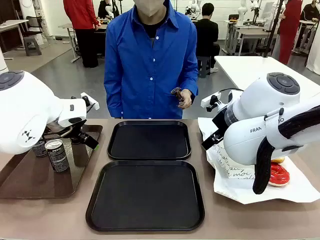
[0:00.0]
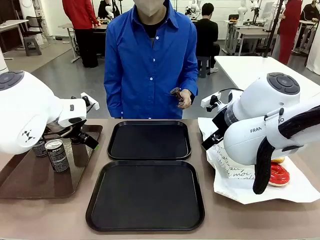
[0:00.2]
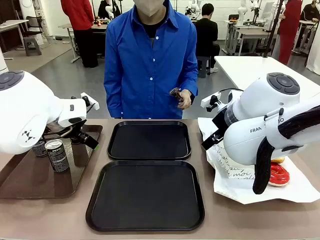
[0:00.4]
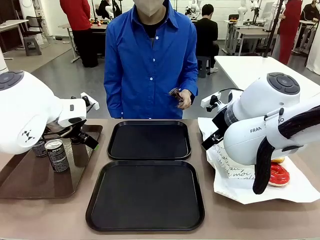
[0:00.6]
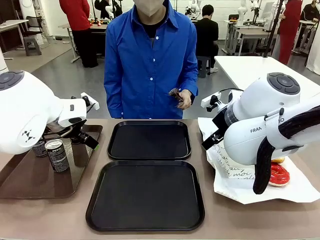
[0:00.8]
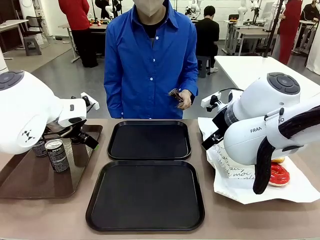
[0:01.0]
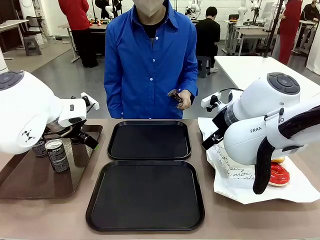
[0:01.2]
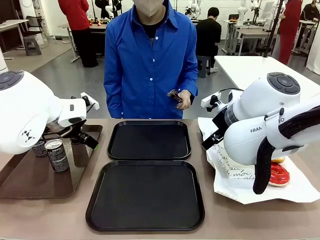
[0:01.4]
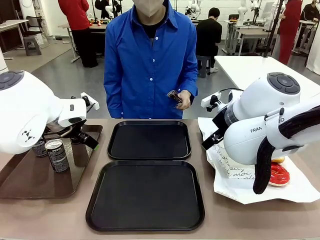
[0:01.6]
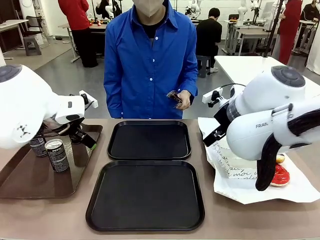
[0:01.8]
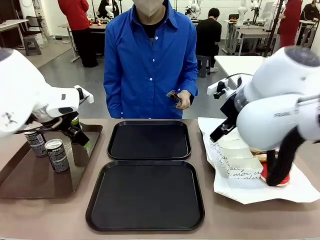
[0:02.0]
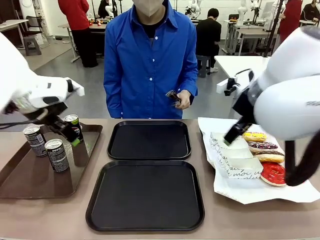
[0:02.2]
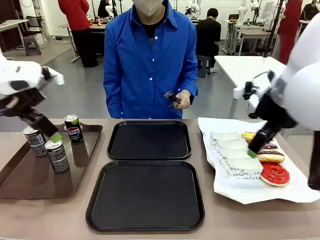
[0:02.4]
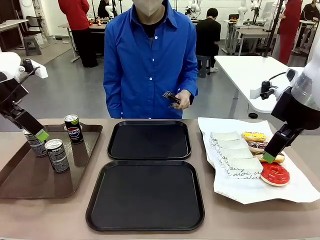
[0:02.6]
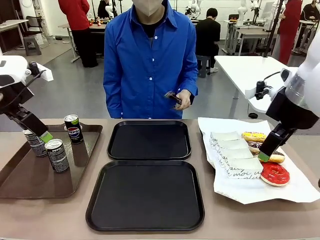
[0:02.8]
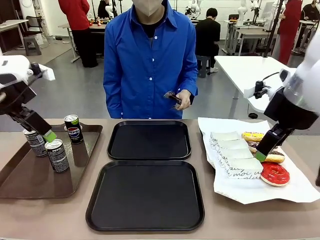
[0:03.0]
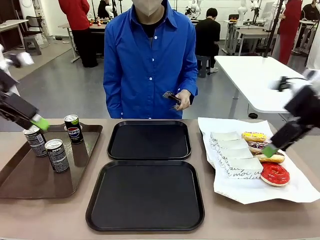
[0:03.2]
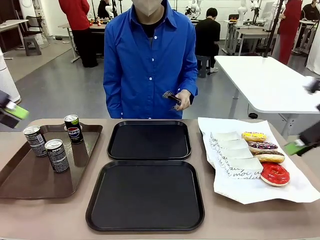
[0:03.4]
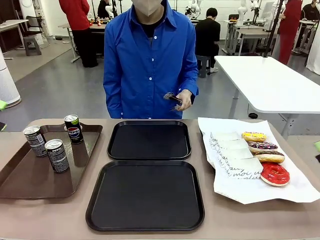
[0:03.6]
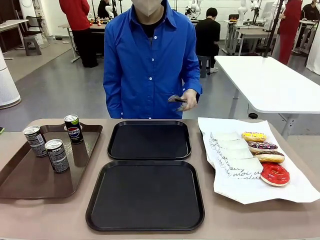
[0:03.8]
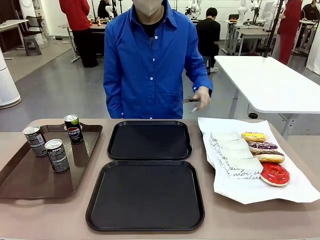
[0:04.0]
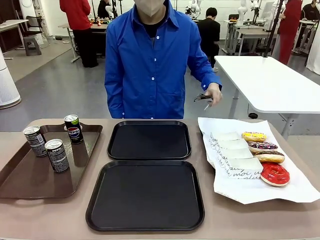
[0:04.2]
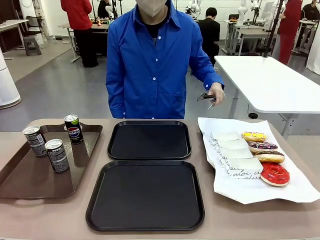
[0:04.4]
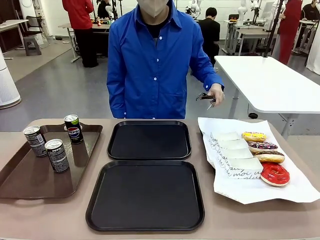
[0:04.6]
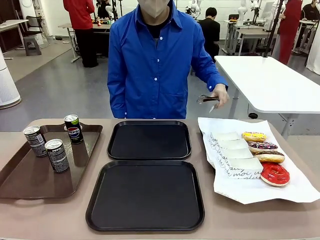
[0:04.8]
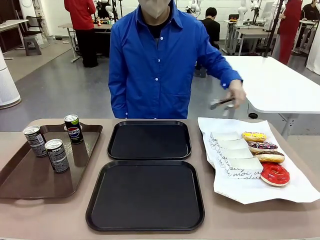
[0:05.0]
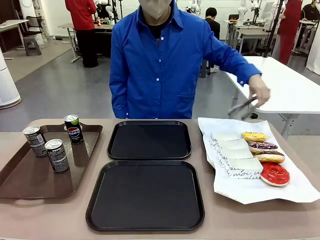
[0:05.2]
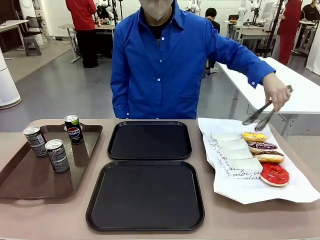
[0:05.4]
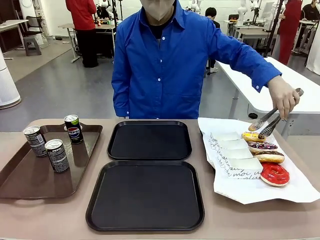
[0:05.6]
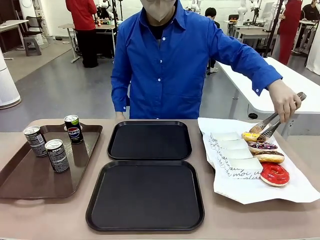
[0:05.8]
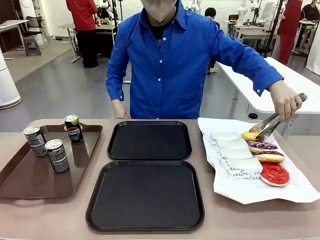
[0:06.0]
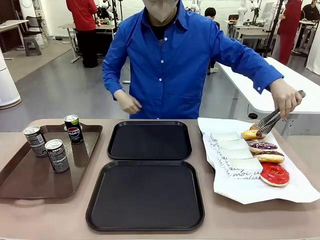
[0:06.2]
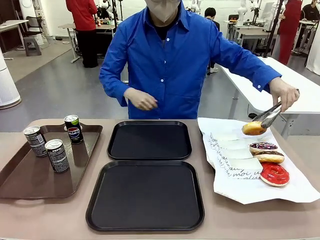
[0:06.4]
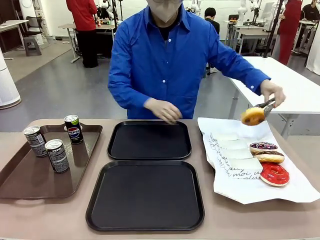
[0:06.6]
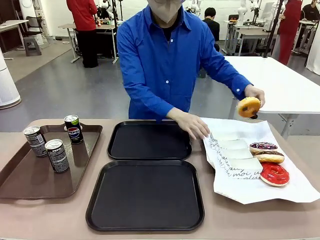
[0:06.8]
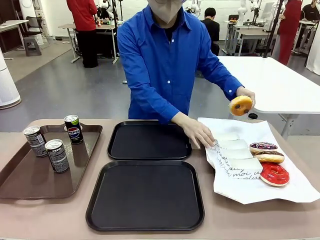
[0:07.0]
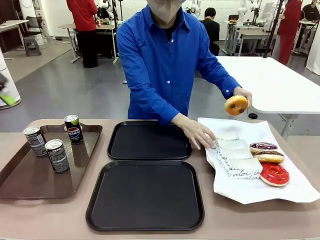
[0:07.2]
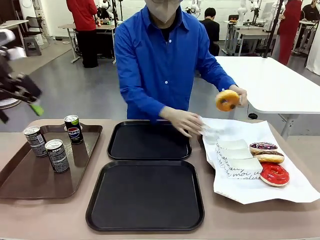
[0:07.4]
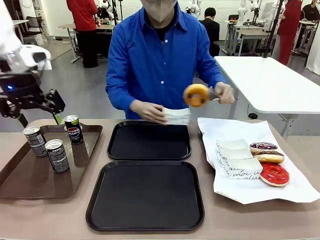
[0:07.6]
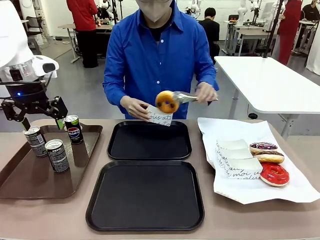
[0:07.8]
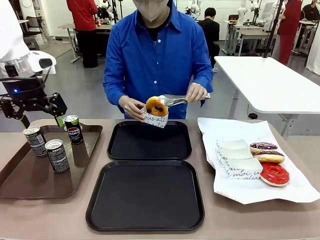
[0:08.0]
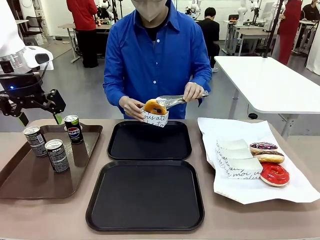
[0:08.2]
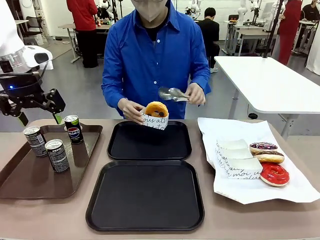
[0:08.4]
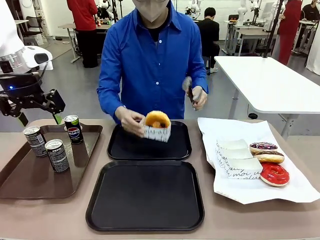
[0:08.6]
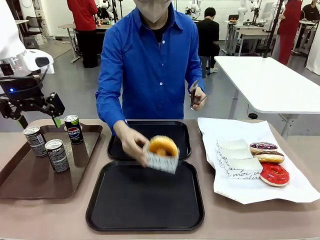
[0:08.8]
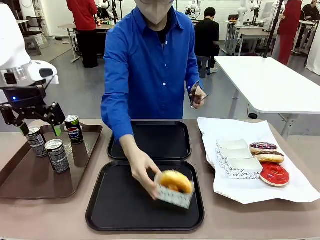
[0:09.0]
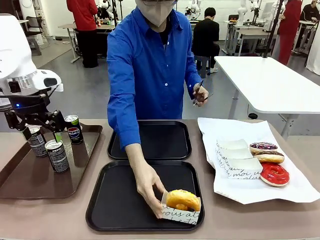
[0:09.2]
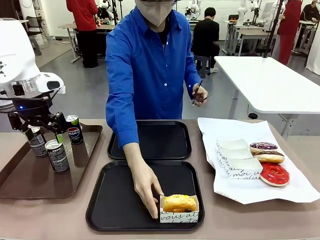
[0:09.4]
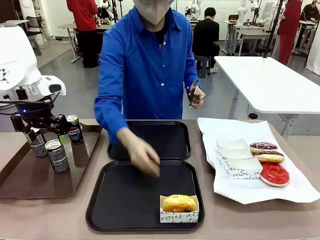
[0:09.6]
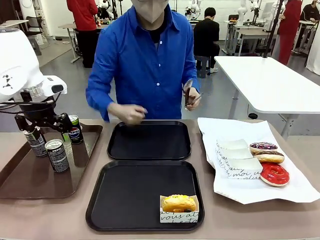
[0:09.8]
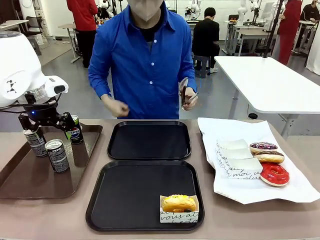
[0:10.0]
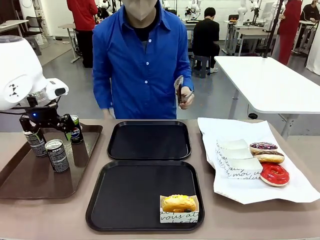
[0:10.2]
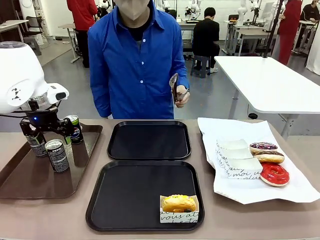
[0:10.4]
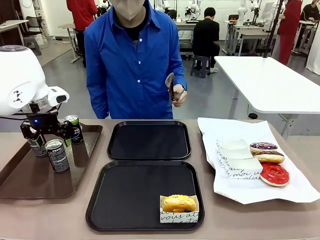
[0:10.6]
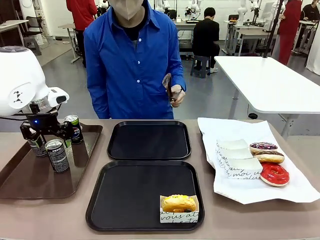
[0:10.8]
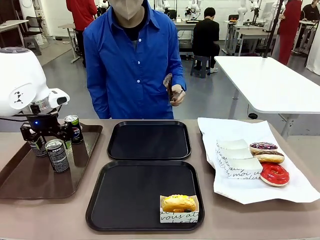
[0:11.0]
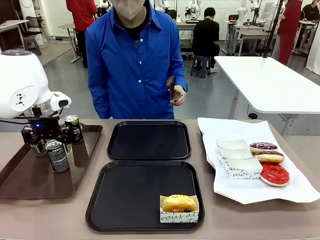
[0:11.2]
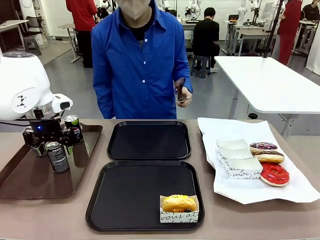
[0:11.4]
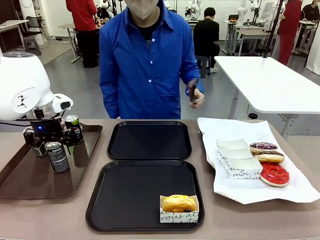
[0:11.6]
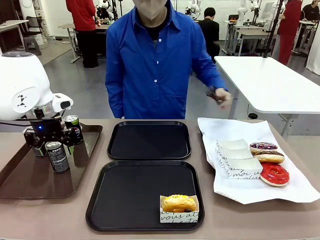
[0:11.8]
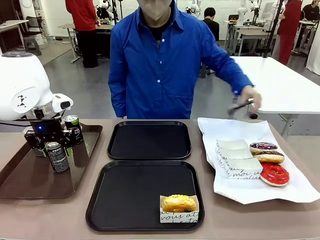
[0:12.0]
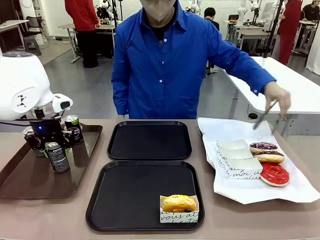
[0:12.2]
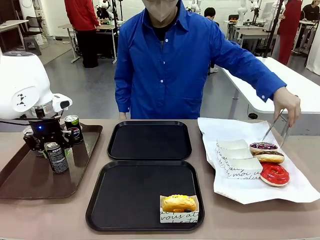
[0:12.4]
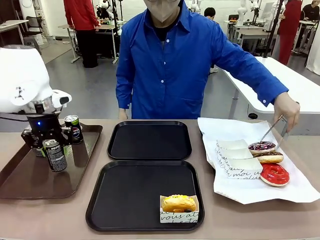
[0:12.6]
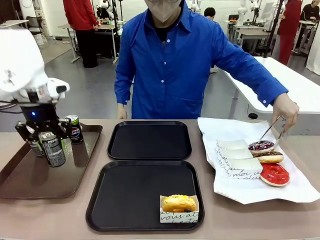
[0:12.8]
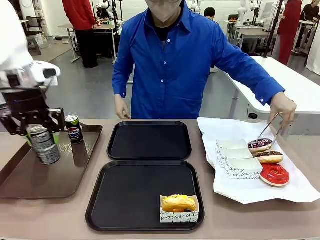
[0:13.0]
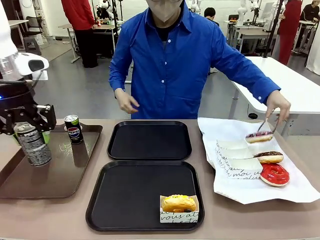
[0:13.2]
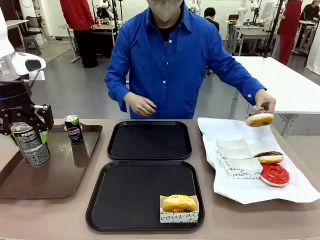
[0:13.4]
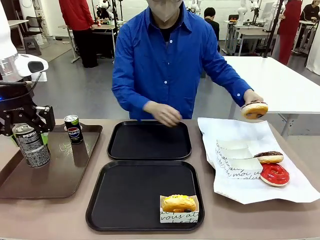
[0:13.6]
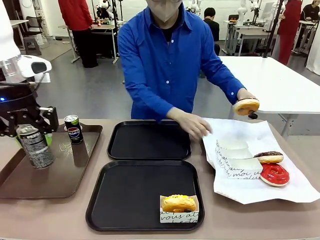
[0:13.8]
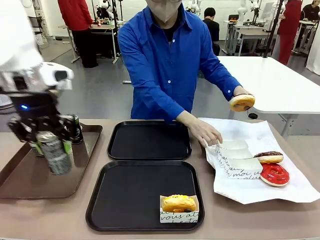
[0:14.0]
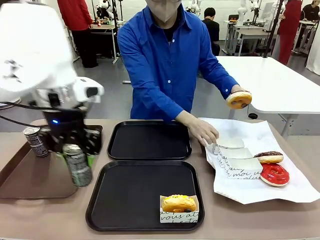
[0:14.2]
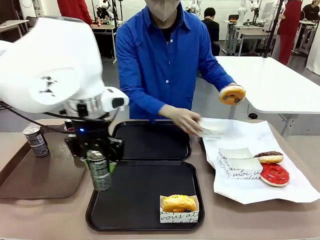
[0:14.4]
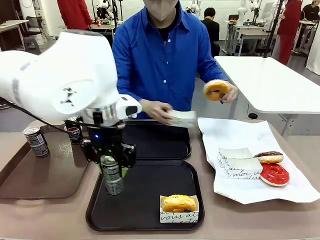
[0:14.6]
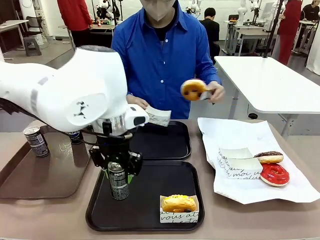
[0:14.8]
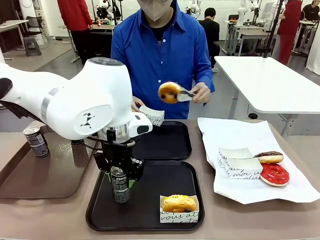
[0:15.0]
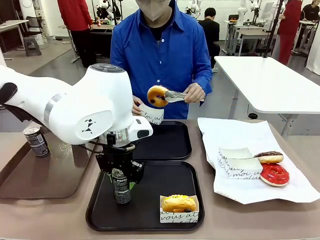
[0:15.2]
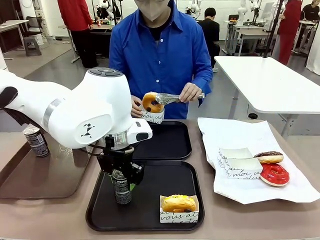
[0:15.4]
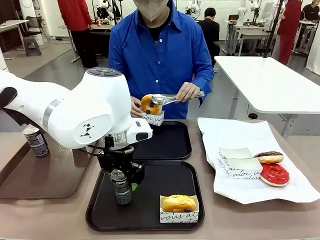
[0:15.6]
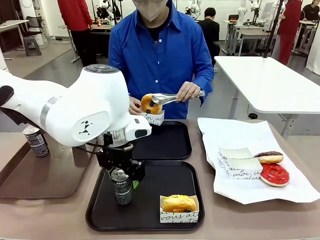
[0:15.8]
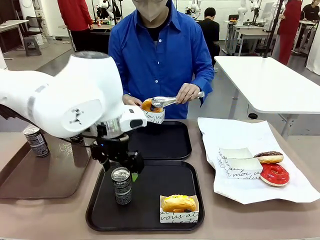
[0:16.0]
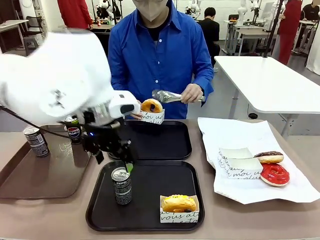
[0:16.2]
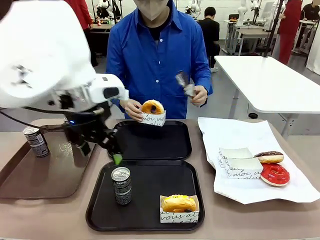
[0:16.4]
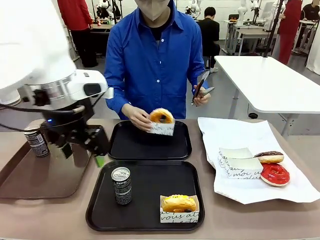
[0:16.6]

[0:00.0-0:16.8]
Task: Set up donuts and drinks on trays.
Robot: Pick up one Pepsi coke and place it on the Flat Tray.

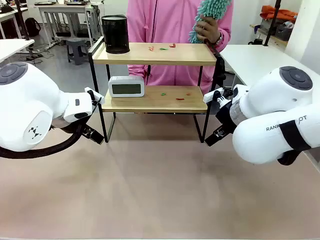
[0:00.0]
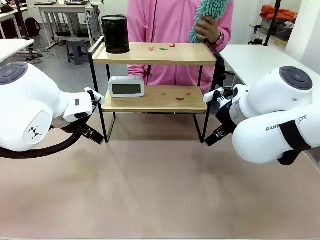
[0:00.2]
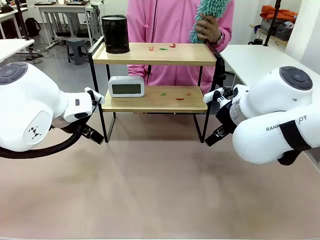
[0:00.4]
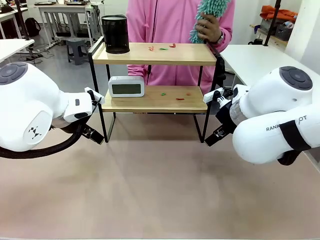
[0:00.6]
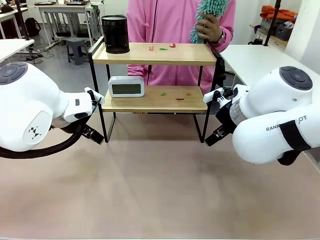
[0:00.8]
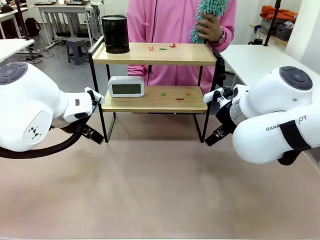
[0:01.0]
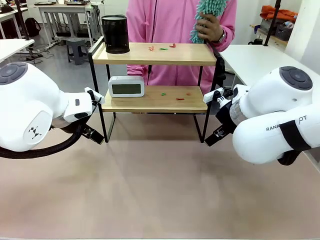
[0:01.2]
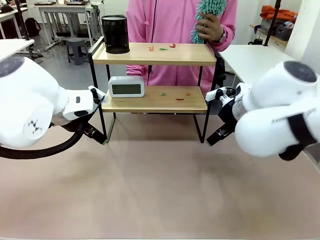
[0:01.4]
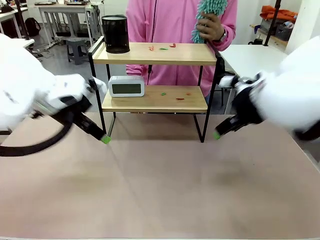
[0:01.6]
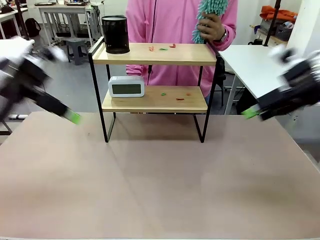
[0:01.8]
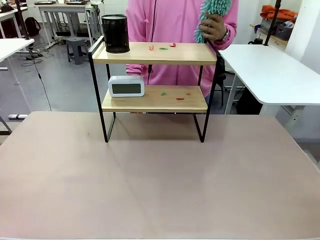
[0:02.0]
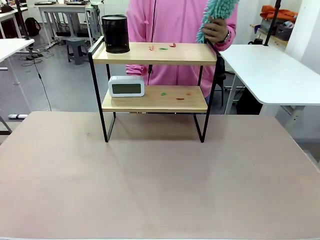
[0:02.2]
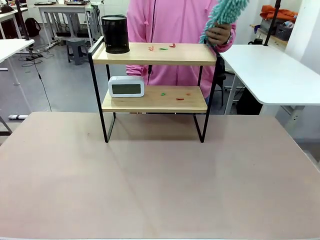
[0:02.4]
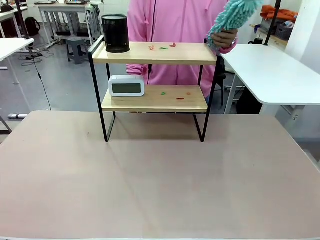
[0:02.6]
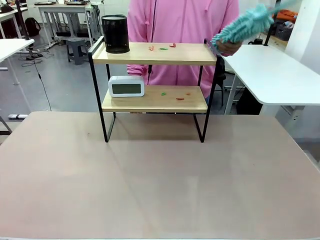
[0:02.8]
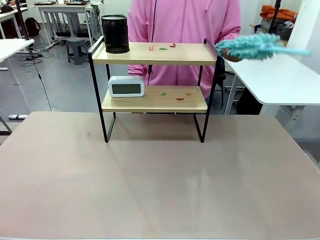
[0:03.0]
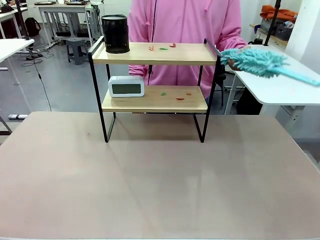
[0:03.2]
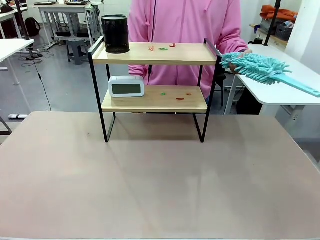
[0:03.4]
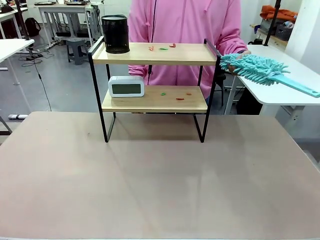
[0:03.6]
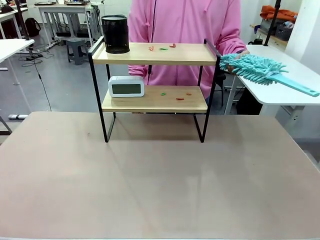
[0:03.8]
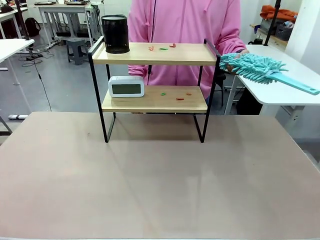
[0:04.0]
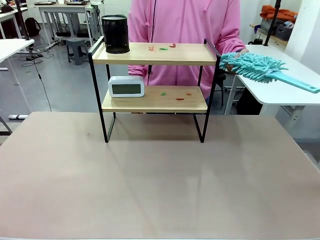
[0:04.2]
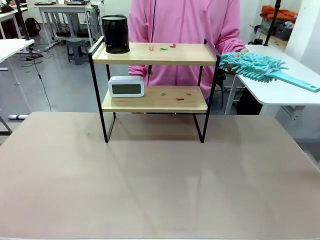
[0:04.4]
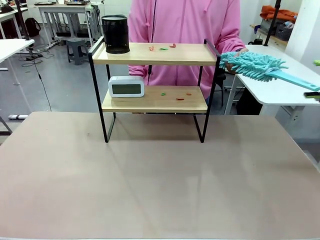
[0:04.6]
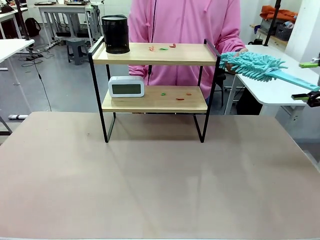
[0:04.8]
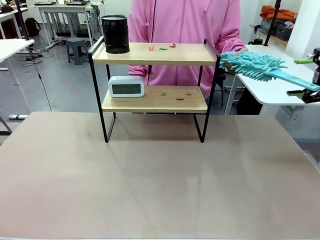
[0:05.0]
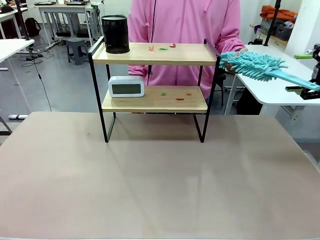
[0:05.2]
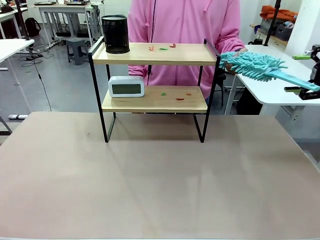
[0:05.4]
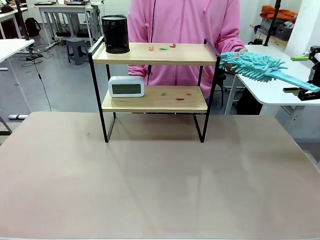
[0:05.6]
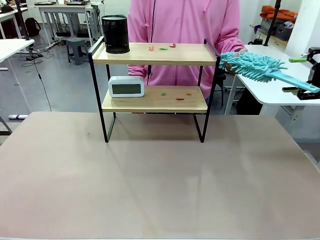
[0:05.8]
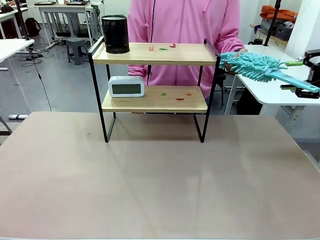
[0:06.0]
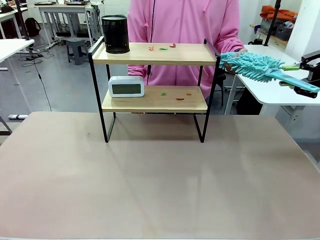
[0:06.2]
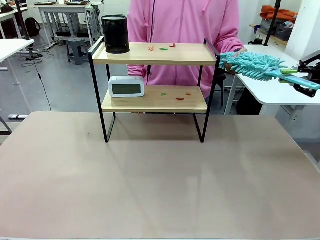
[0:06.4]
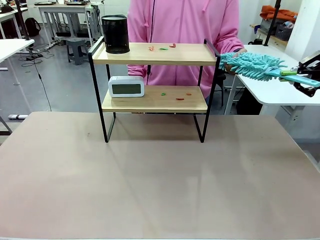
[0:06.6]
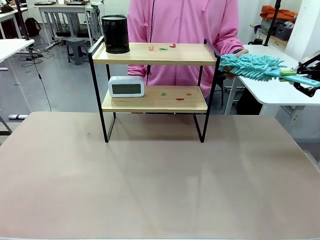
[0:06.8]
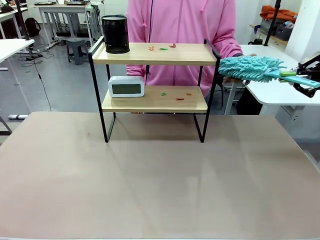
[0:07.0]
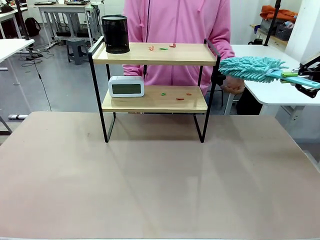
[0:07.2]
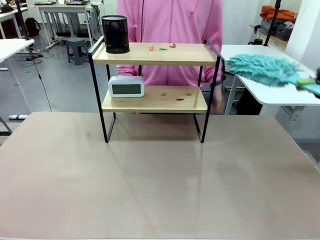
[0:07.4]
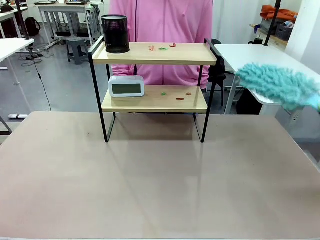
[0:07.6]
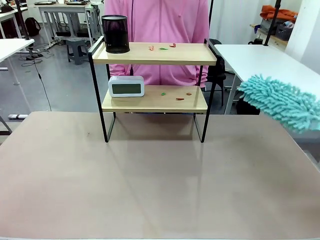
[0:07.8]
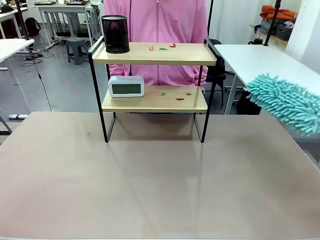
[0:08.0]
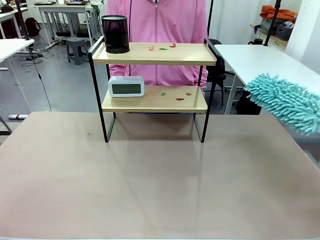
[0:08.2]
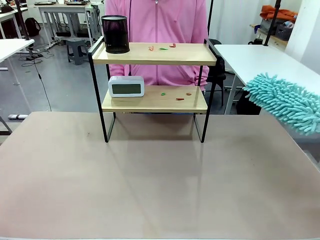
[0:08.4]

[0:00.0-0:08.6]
Task: Clean the shelf.
Robot: Pick up the Duster from the human.
Person: Hand the Duster to the robot.
